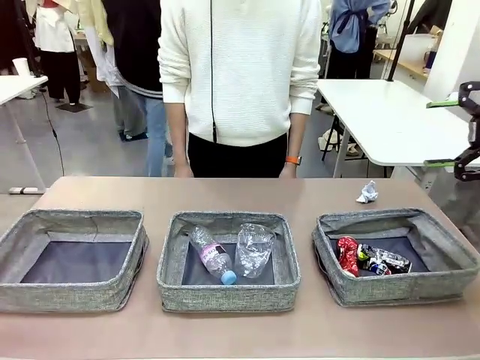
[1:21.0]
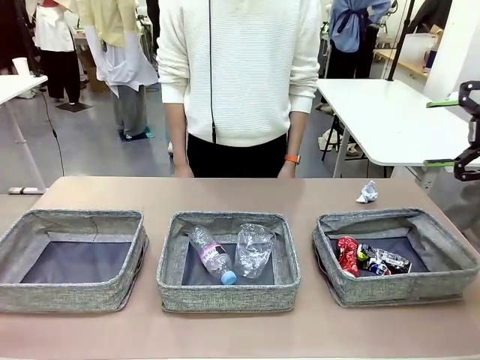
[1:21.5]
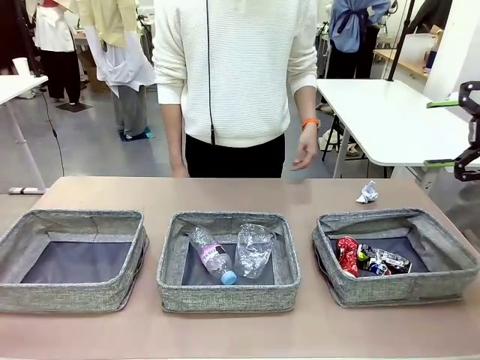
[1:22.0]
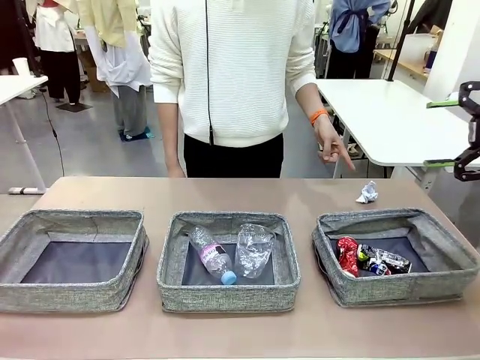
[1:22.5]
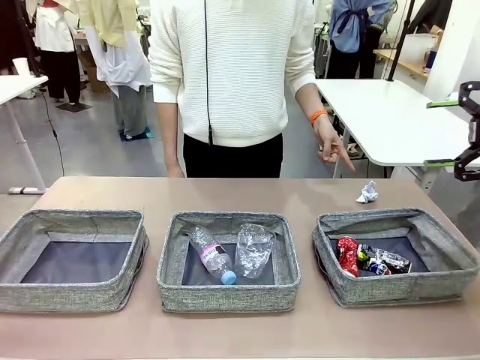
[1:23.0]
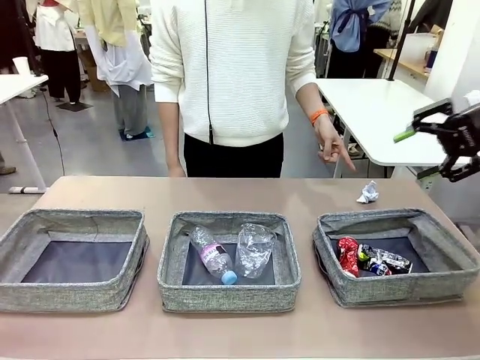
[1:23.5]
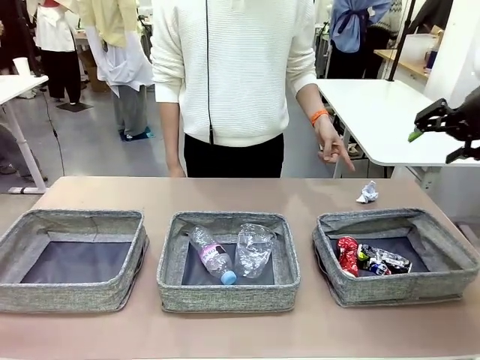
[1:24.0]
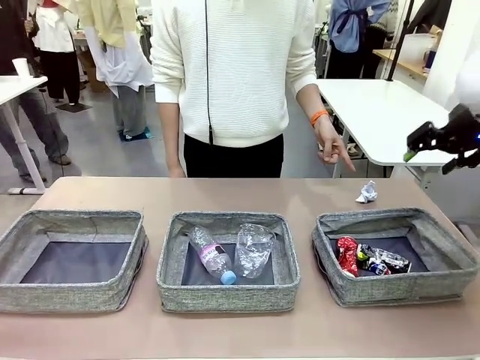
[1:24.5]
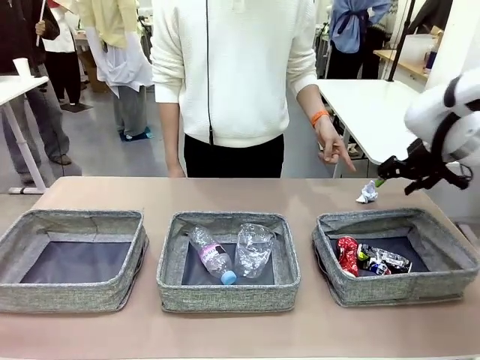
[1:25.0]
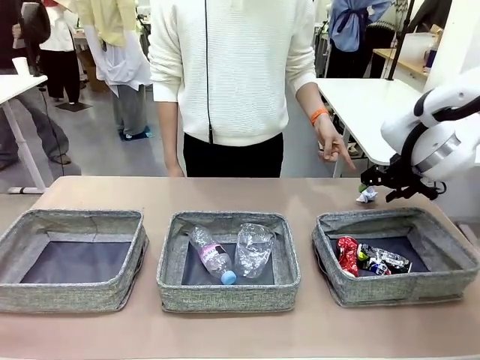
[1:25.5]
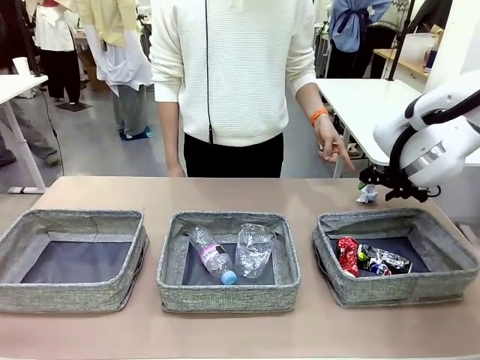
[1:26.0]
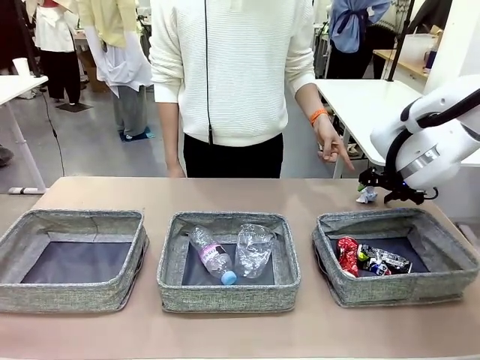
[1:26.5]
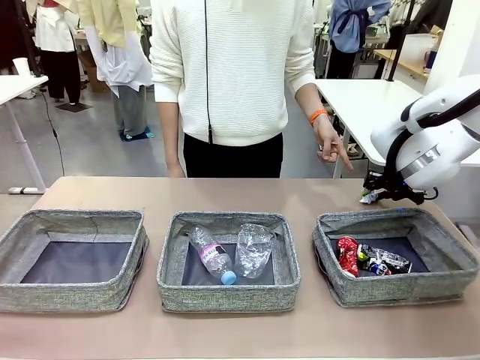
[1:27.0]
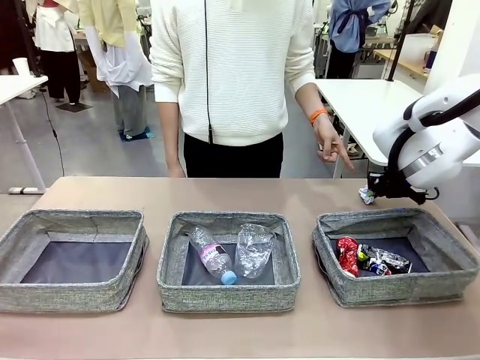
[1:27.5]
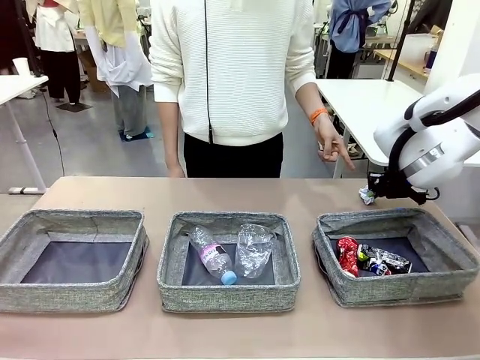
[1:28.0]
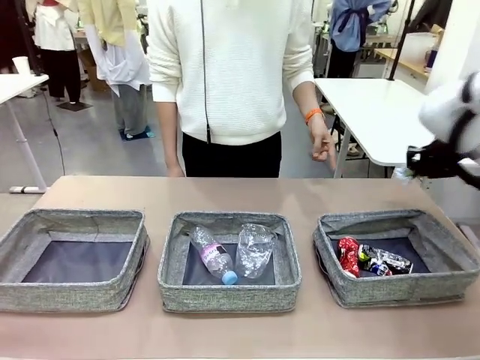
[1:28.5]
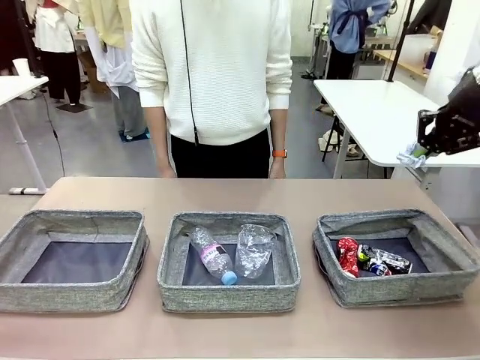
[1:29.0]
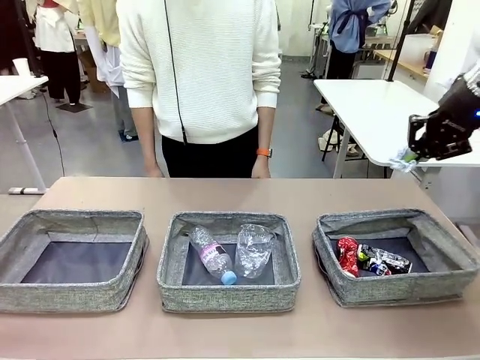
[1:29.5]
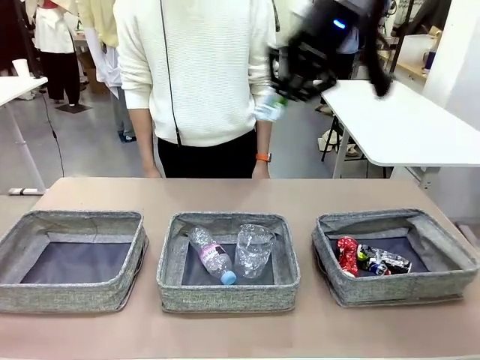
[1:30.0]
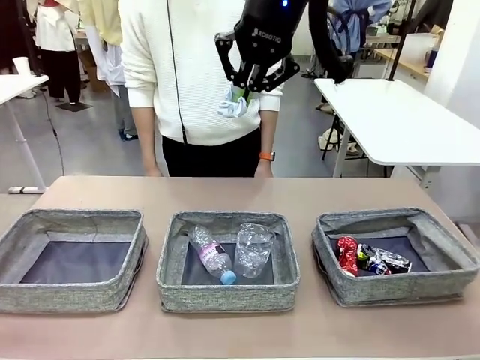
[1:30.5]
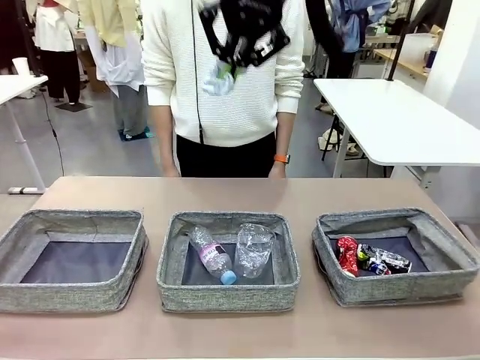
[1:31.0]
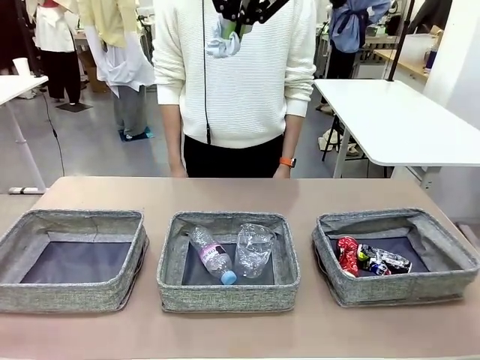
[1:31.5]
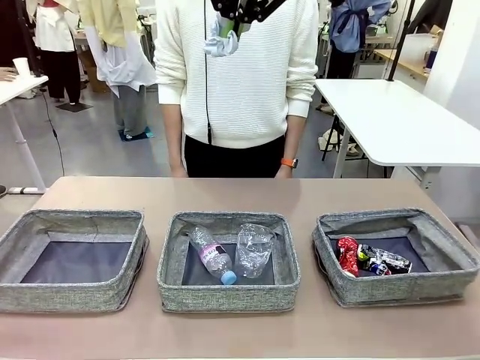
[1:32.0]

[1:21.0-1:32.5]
Task: Sort the waste into the appropriate baskets.
Robot: Pick up the waste item pointed out by the person.
Person: Points to one piece of trash on the table.

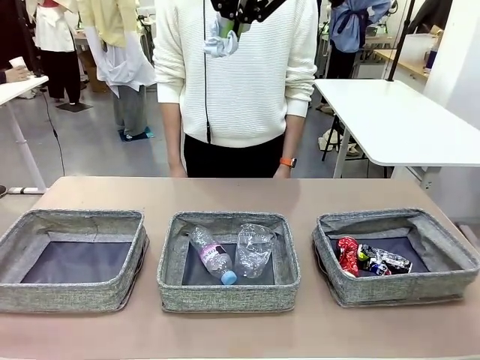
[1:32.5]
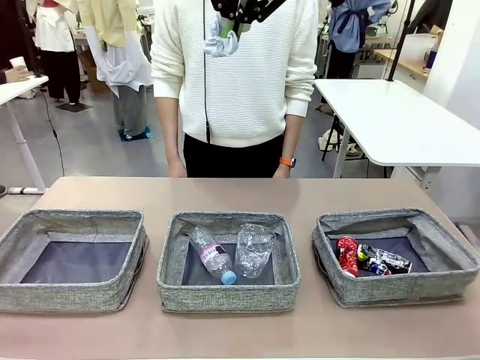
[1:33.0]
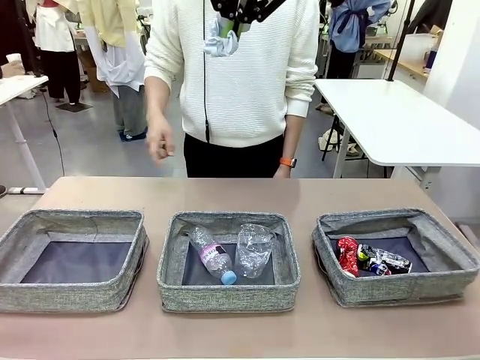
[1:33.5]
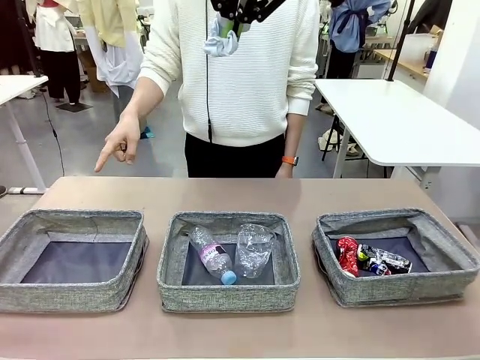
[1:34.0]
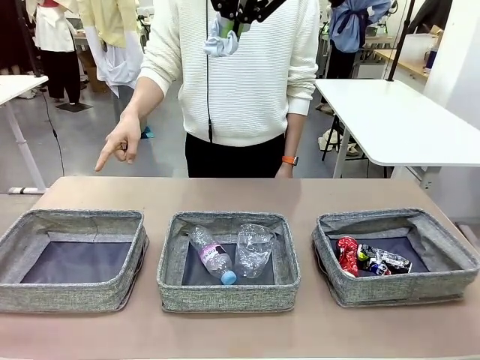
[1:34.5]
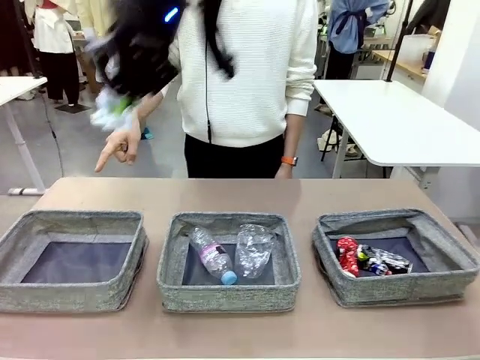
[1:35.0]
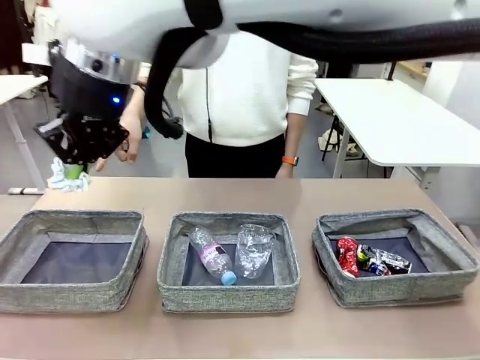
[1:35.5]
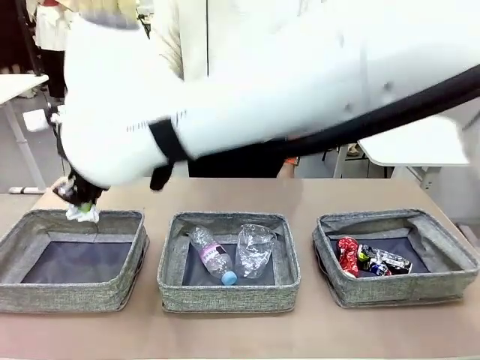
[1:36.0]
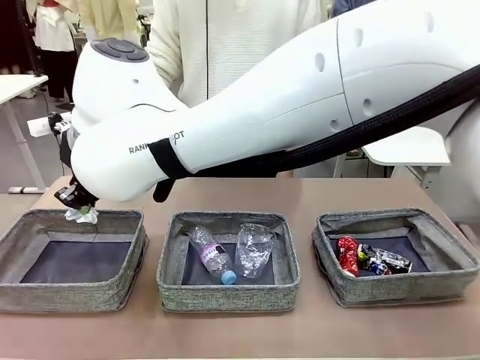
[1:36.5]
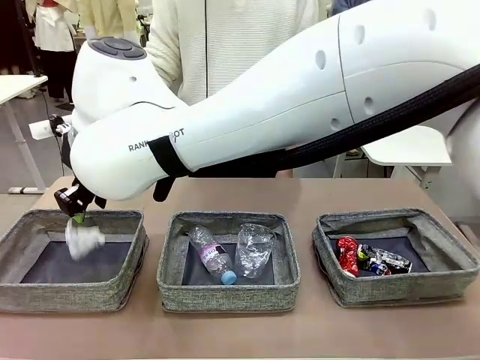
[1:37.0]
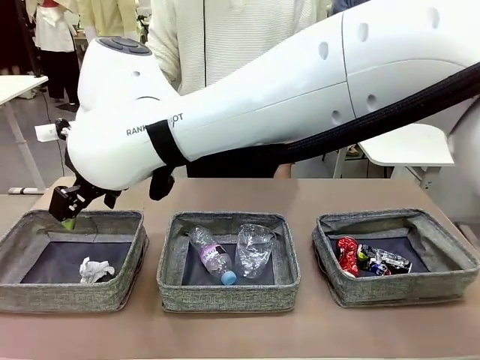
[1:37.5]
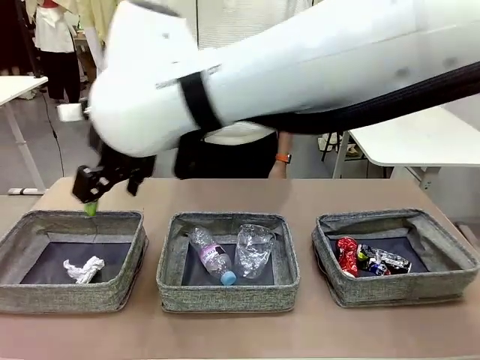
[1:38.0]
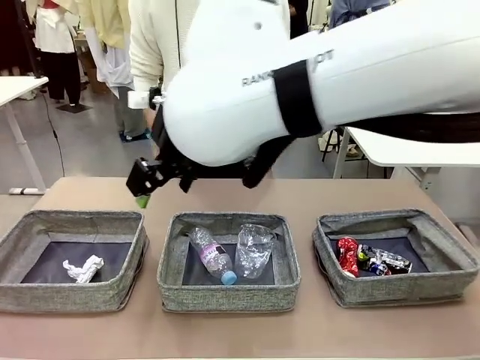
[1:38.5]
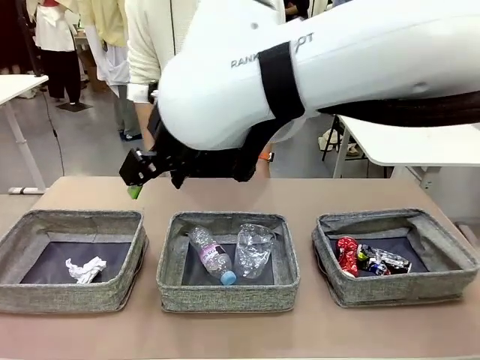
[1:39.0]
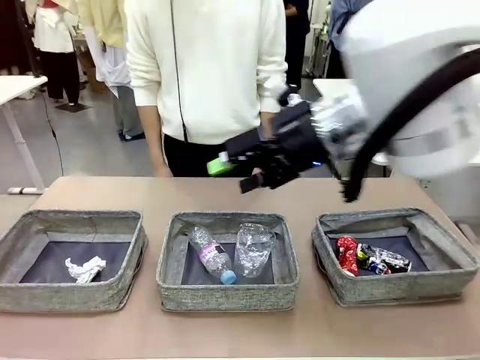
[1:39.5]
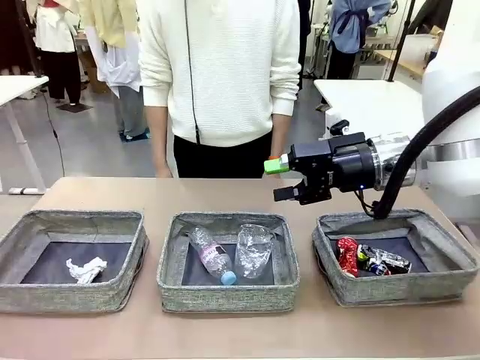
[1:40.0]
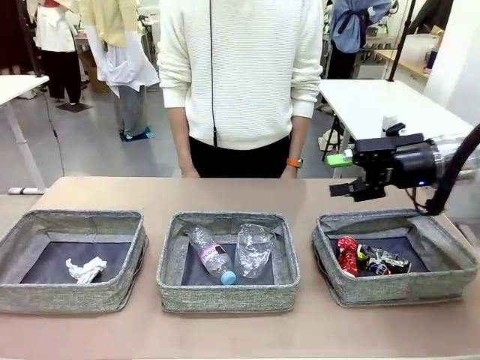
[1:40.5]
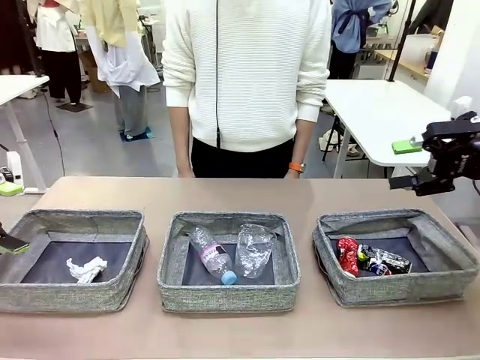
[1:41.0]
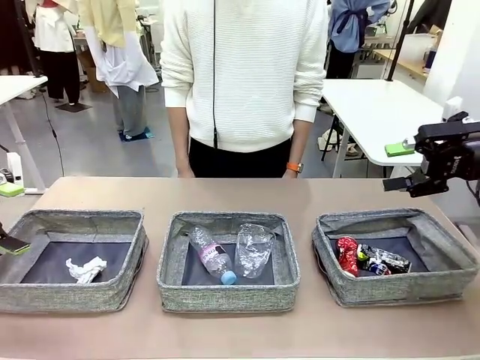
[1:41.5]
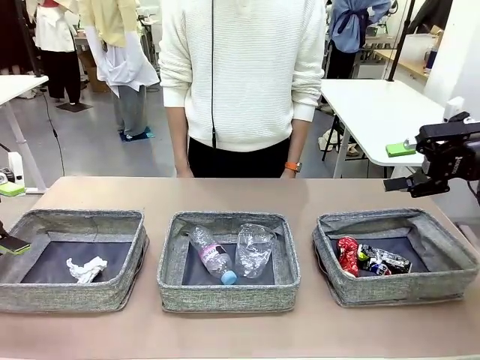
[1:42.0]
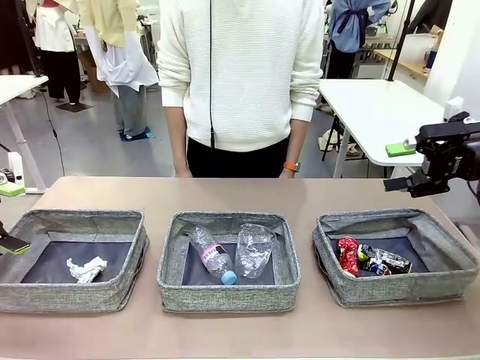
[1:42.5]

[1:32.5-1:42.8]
Robot: Place the picked waste into the Fabric basket indicated by the person.
Person: Instructs the robot to place the picked-up trash into the appropriate organizing basket.
